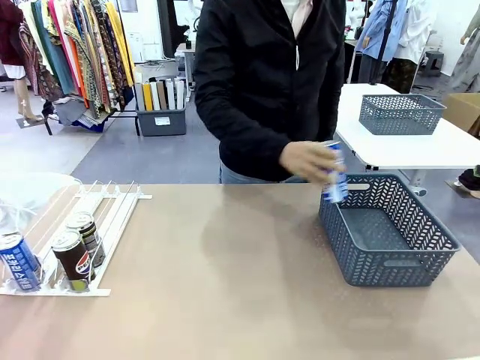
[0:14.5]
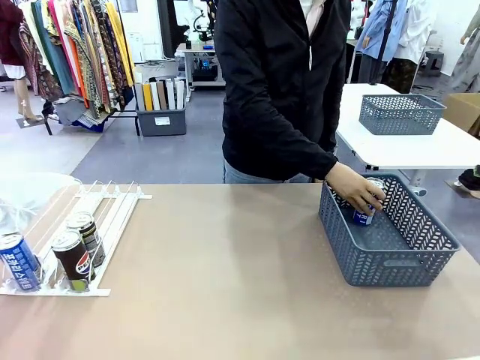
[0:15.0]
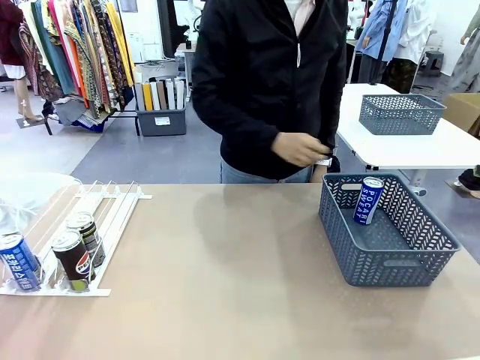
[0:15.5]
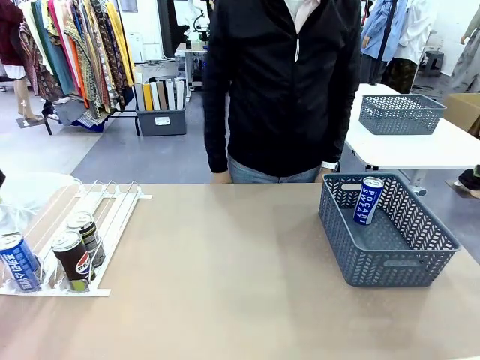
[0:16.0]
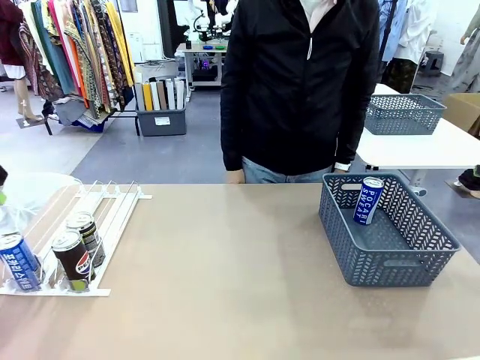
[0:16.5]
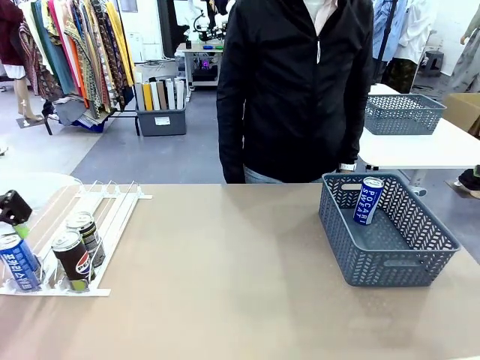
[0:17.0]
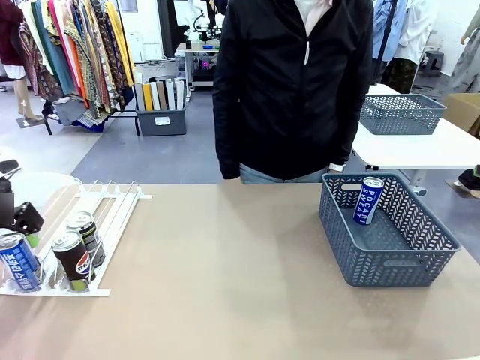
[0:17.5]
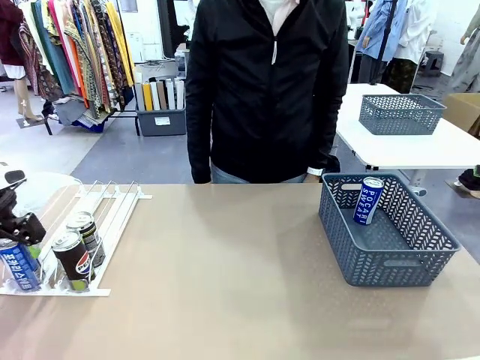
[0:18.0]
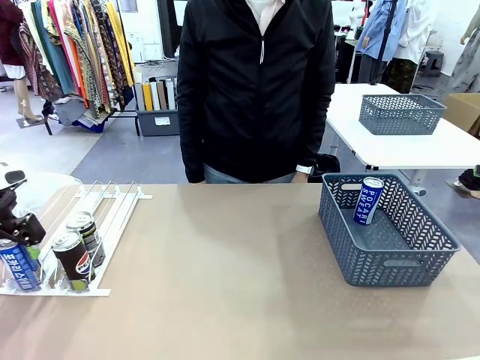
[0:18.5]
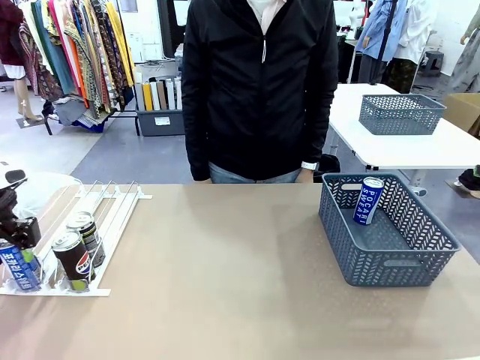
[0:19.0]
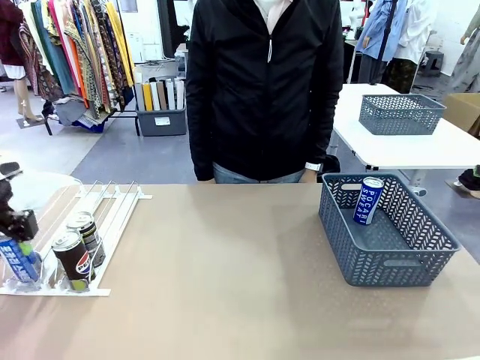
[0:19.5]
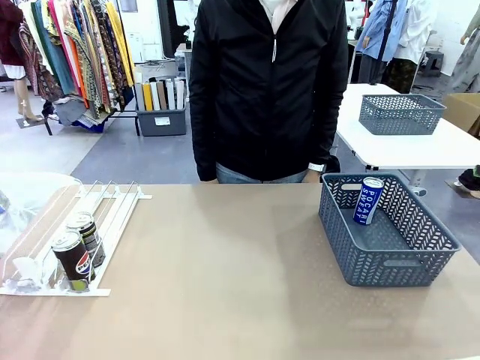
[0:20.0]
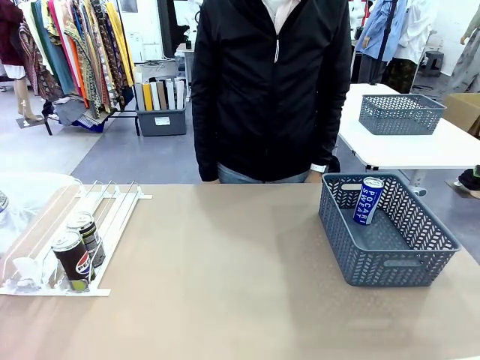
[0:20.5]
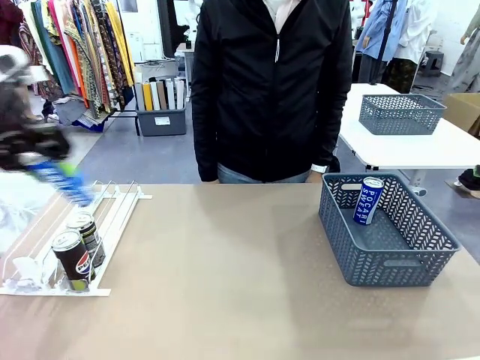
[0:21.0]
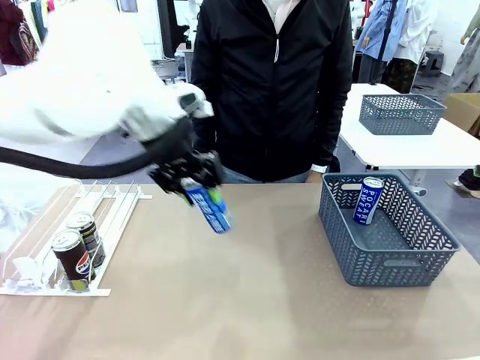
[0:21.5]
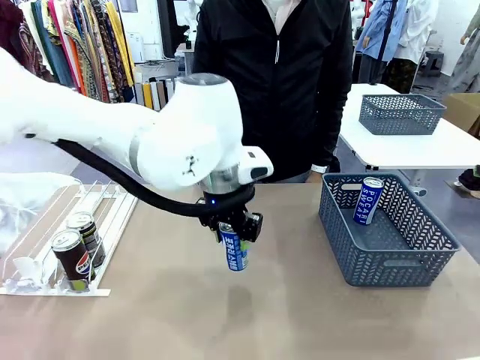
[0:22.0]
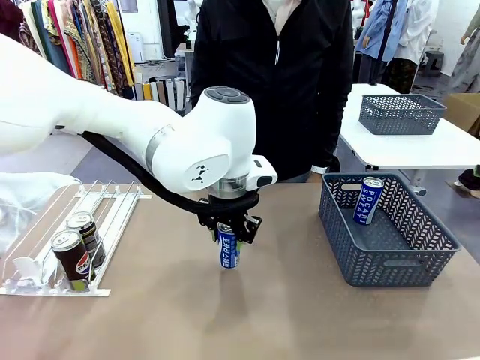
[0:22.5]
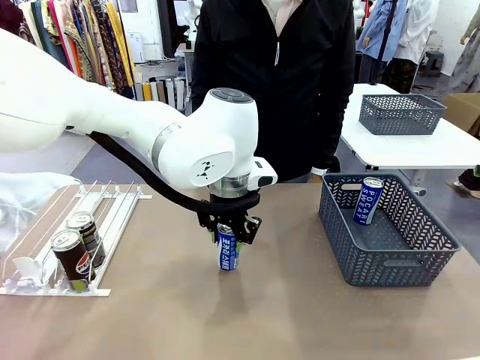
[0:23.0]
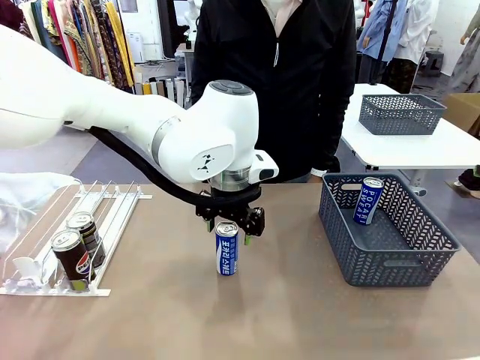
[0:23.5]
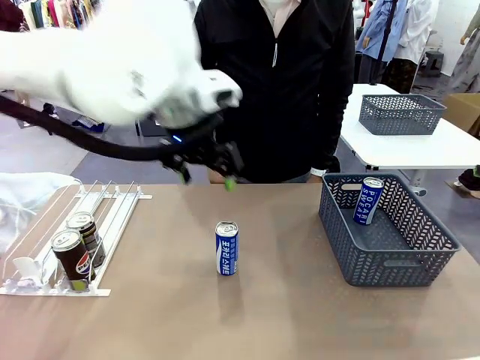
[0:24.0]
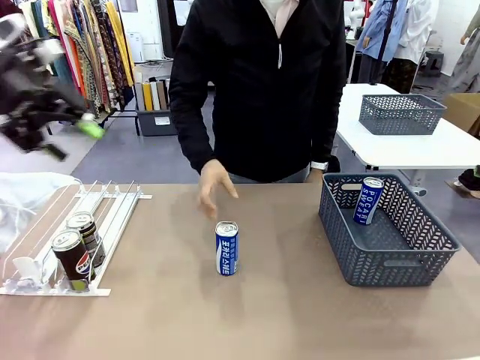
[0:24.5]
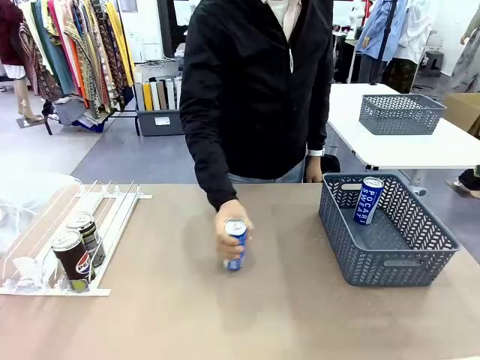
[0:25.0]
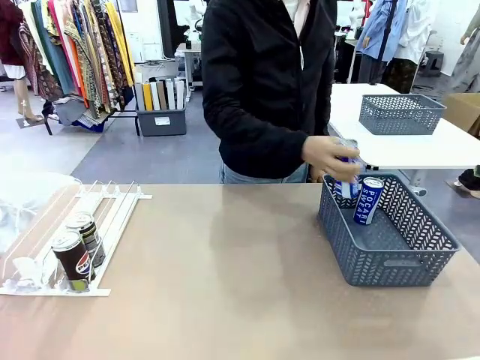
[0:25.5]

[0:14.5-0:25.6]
Task: Retrieve and store the cans from the dispenser.
Robot: Pick up the last remaining can from one row of the Automatic Can Dispenser and place it in the middle of the table.
Person: Pick up one Pepsi can from the middle of the robot table and place it in the basket.

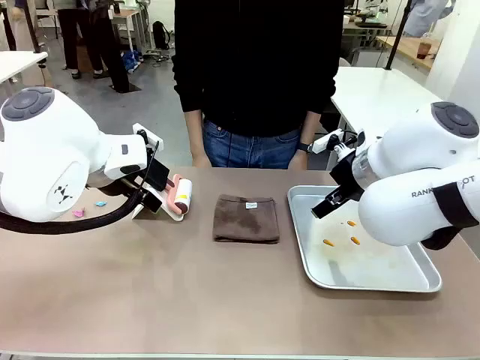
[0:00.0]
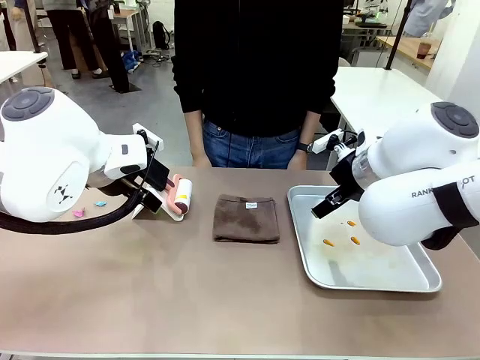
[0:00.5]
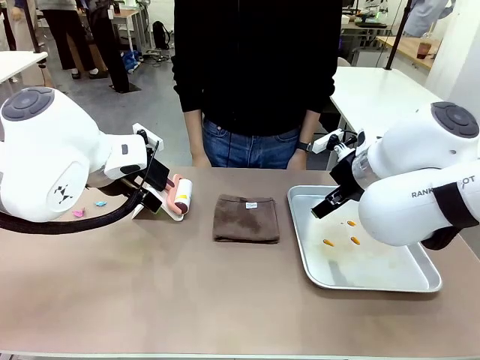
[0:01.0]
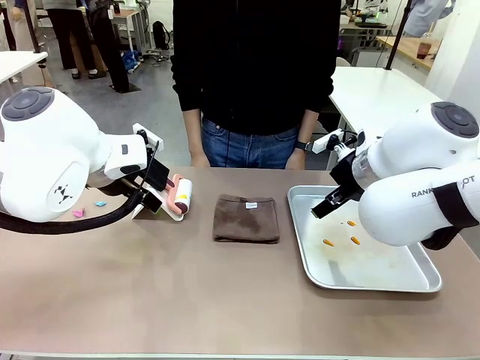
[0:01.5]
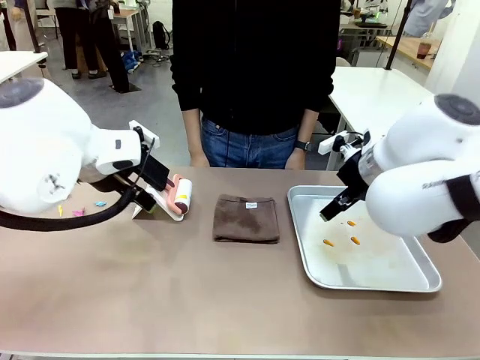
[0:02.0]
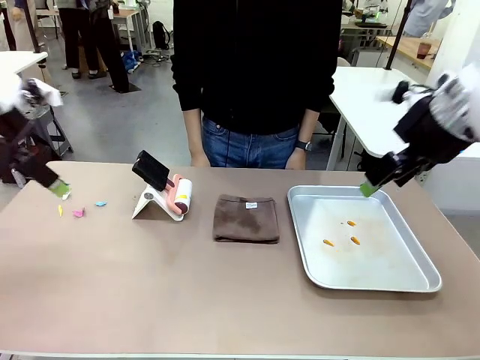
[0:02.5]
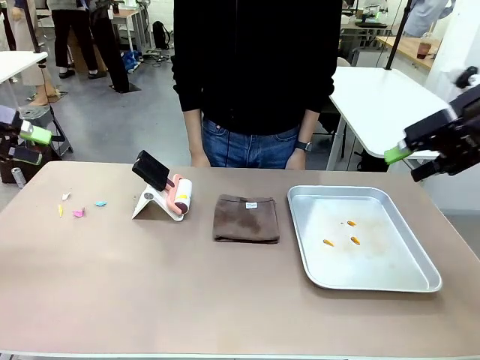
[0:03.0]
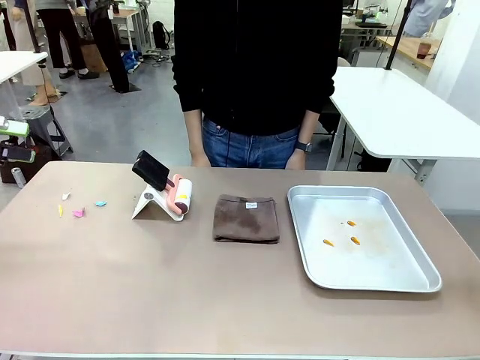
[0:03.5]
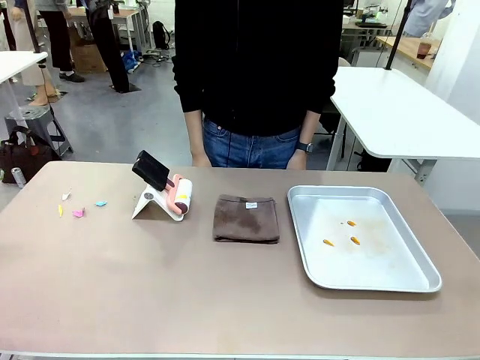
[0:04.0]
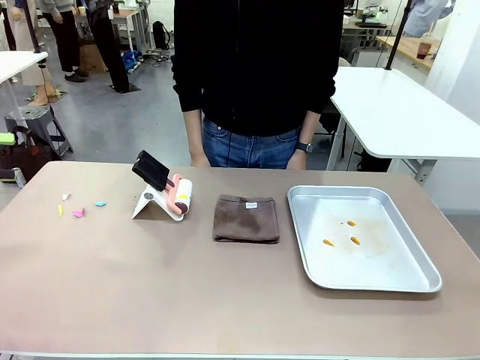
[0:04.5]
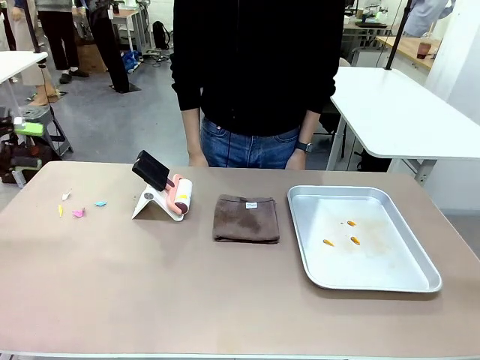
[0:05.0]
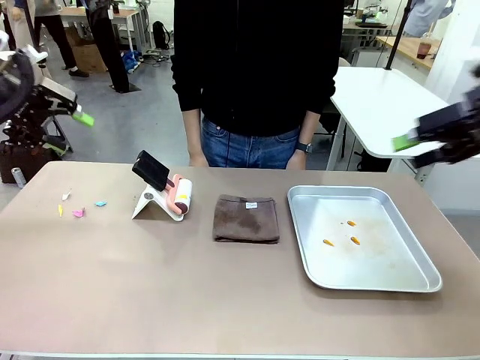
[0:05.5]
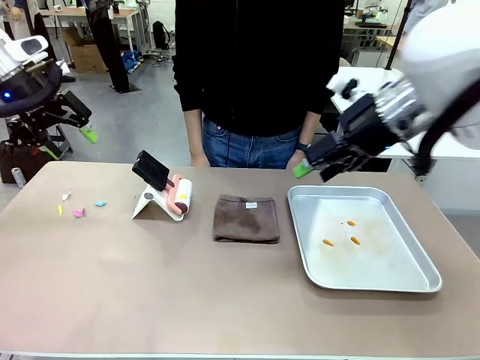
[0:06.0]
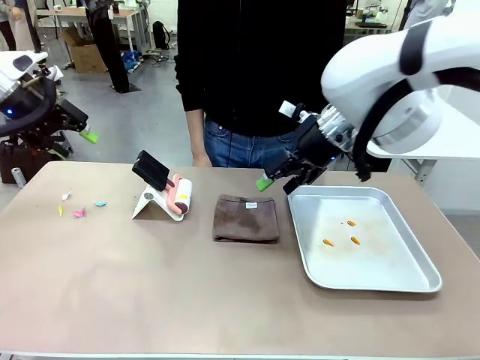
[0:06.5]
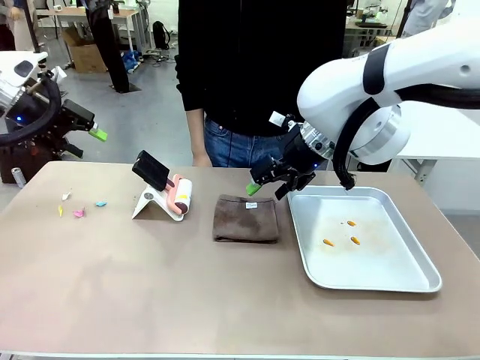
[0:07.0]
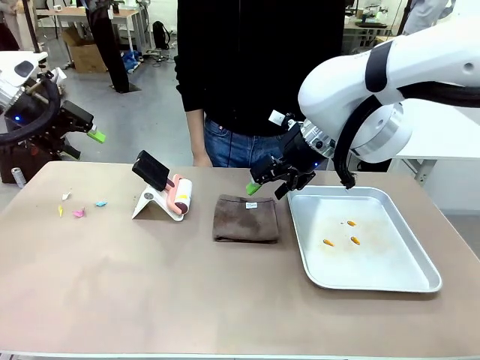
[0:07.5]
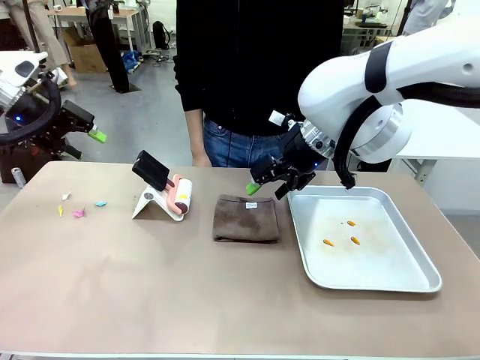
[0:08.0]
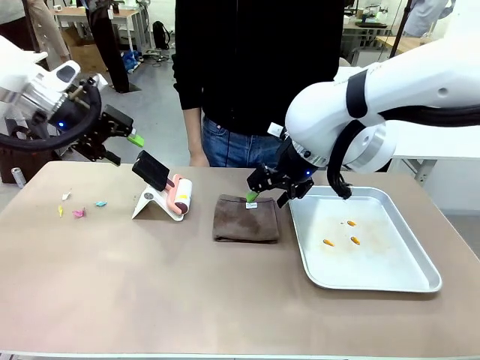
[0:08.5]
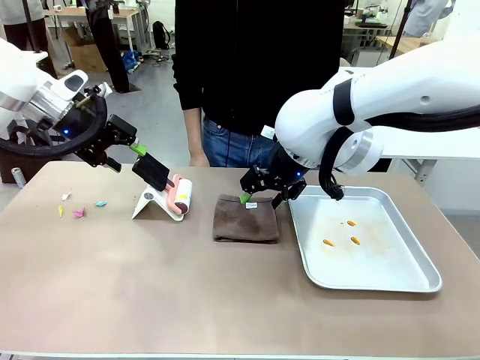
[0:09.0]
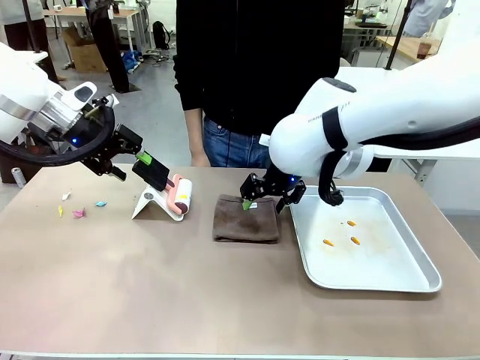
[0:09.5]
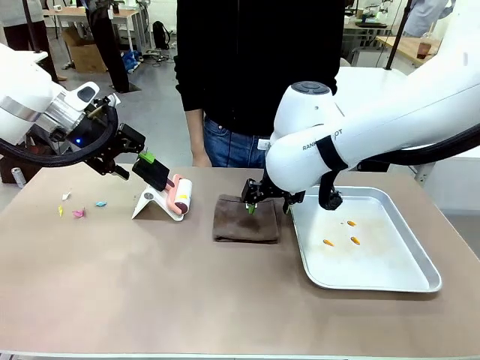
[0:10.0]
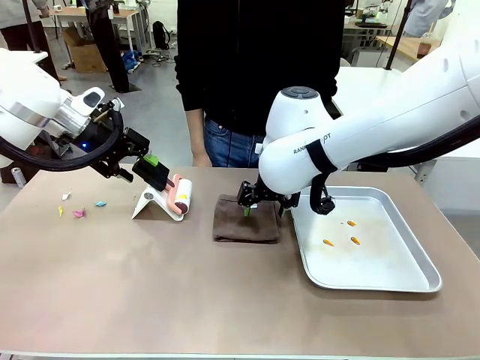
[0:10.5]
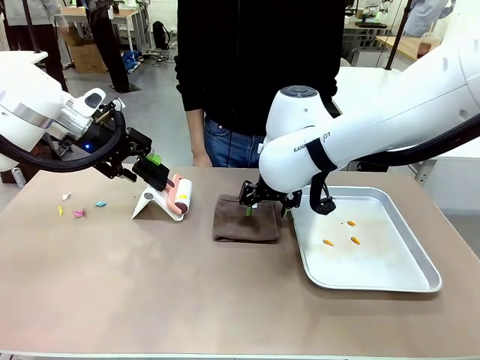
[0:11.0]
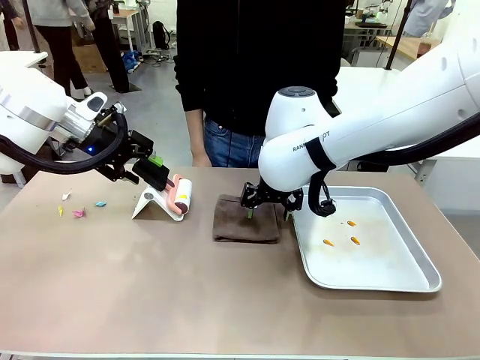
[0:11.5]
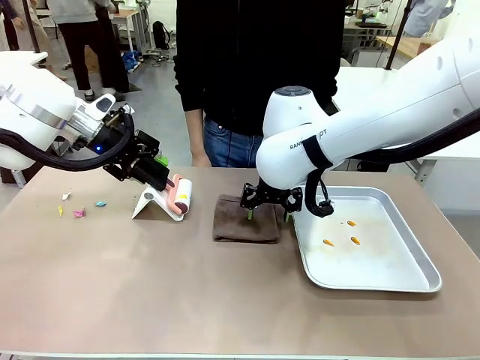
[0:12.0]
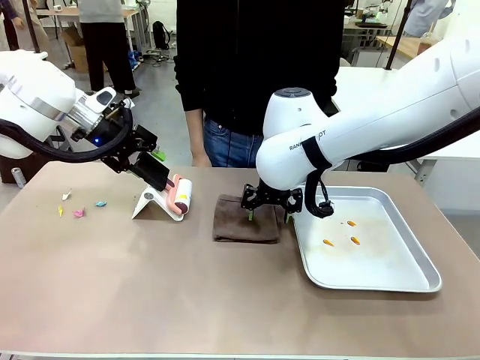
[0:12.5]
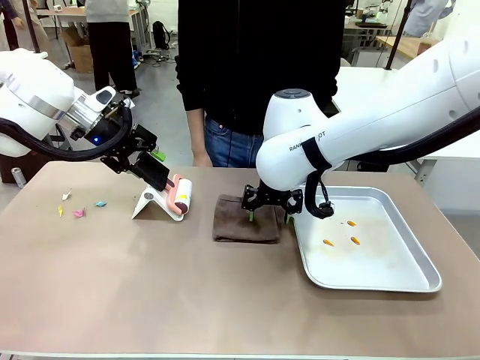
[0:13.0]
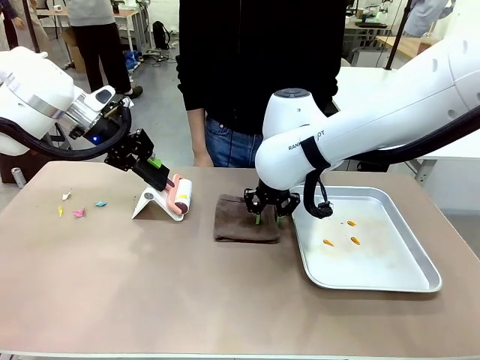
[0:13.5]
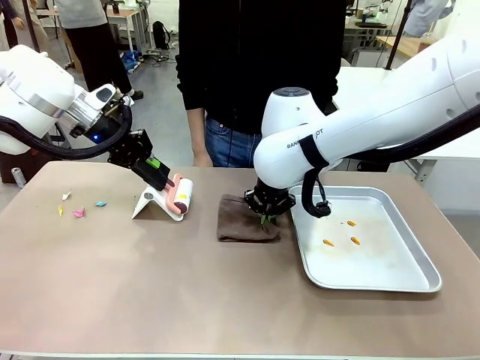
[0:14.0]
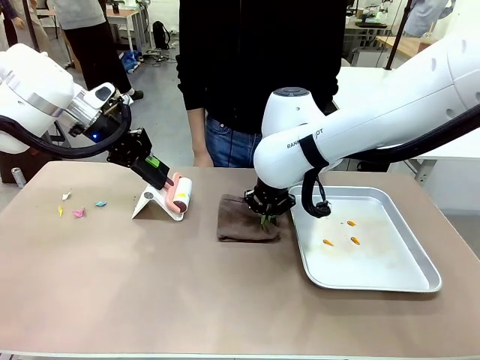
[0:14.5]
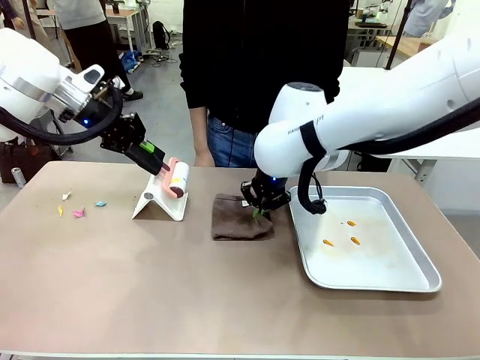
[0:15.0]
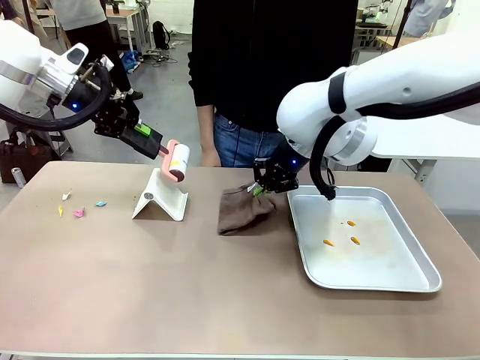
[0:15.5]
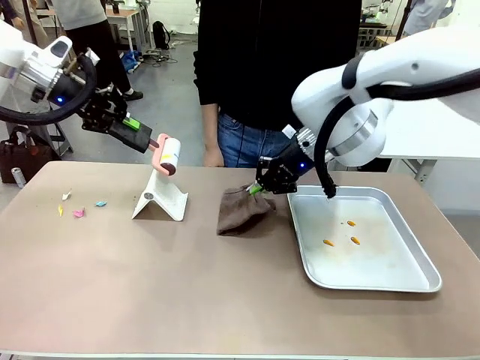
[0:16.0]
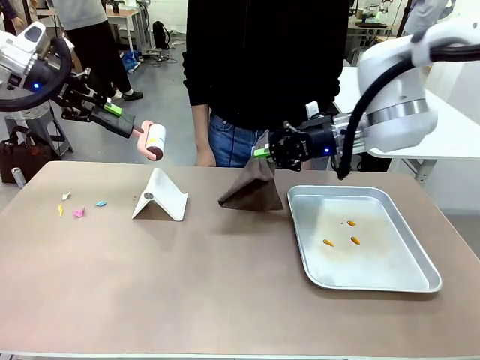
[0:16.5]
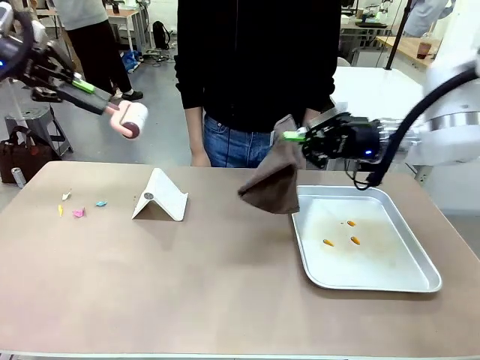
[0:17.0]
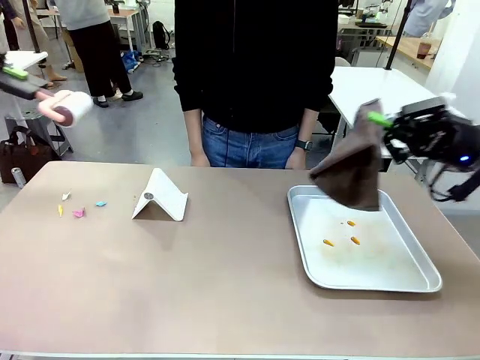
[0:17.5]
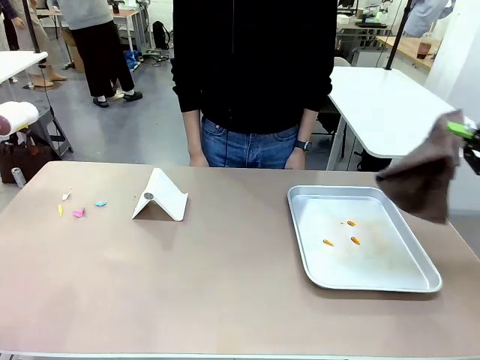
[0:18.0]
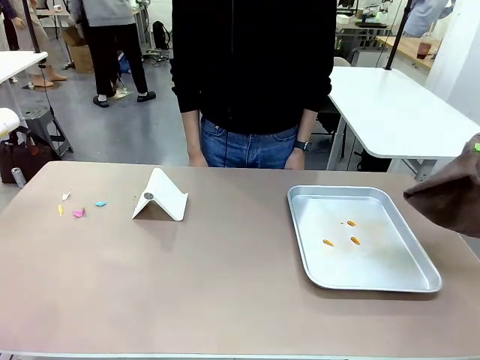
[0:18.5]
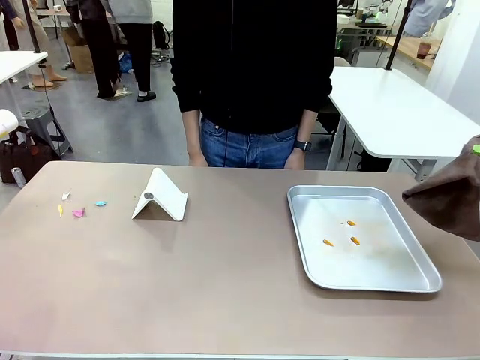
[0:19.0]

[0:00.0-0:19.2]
Task: Clean the surface of the table.
Robot: Hold the Lint Roller with your left hand and the towel with your right hand.
